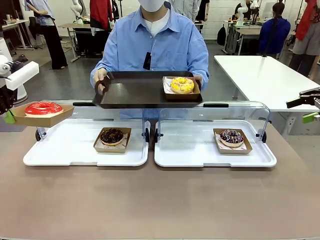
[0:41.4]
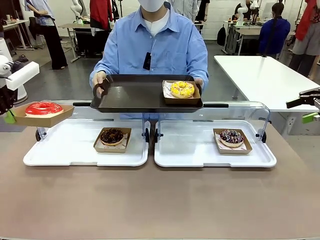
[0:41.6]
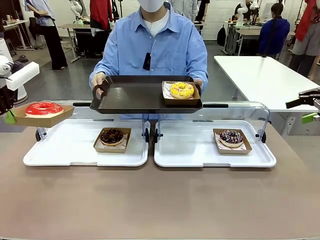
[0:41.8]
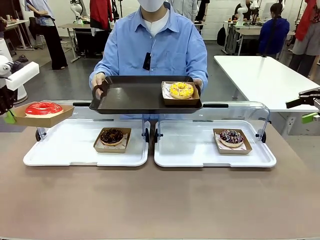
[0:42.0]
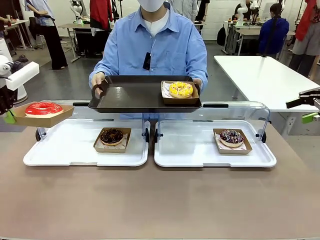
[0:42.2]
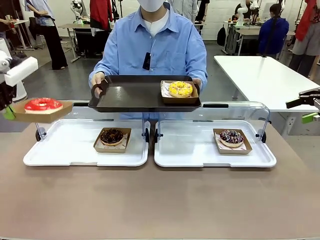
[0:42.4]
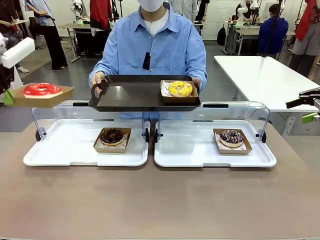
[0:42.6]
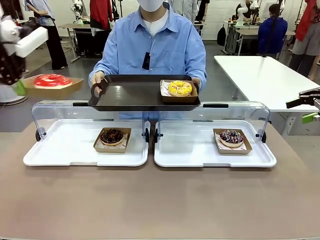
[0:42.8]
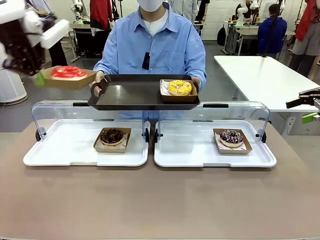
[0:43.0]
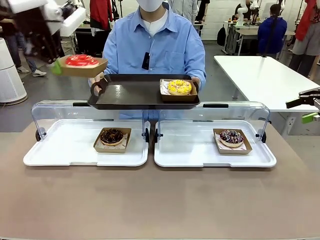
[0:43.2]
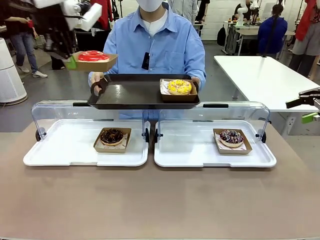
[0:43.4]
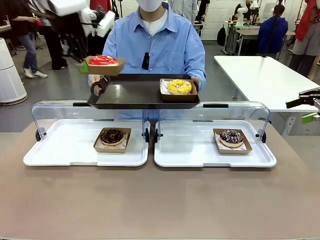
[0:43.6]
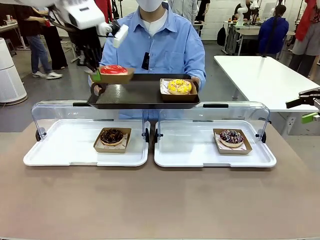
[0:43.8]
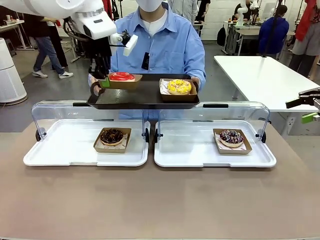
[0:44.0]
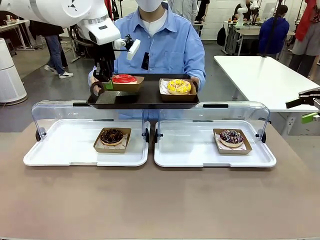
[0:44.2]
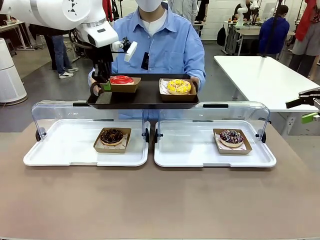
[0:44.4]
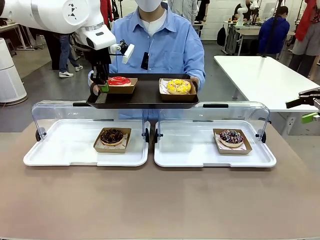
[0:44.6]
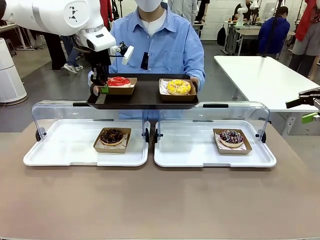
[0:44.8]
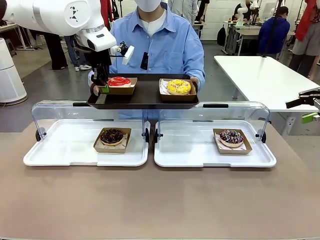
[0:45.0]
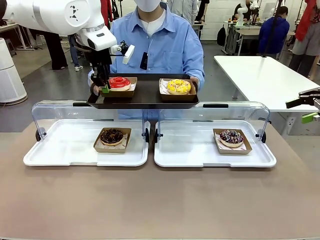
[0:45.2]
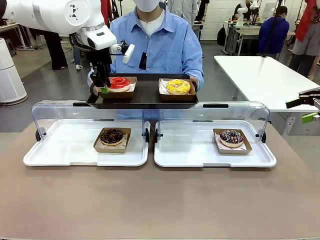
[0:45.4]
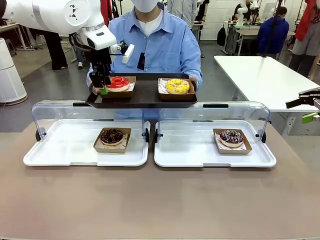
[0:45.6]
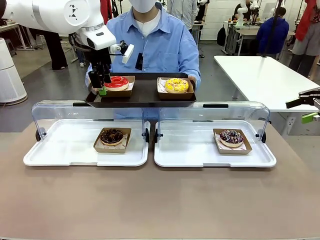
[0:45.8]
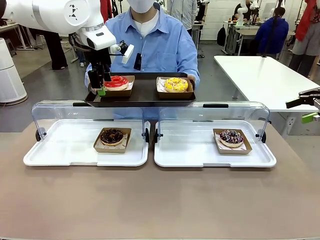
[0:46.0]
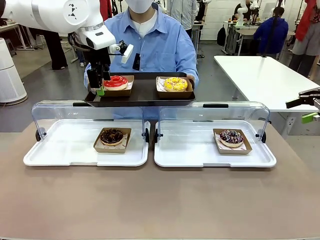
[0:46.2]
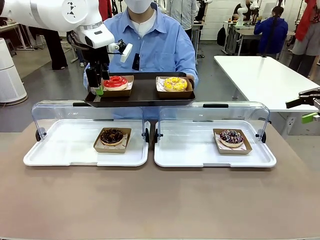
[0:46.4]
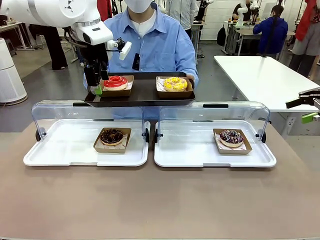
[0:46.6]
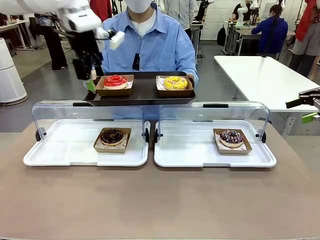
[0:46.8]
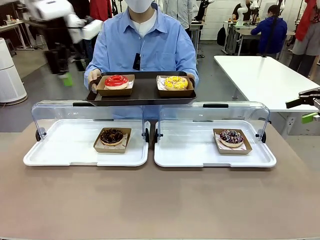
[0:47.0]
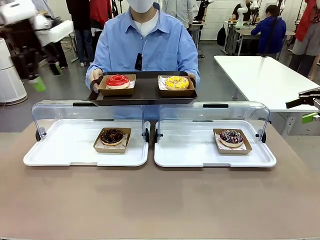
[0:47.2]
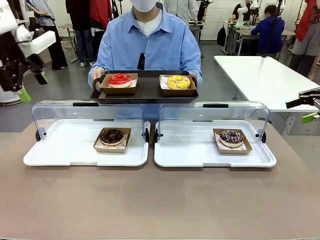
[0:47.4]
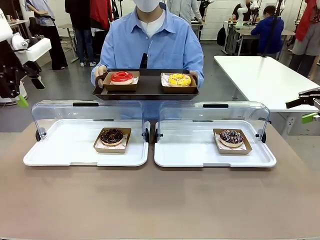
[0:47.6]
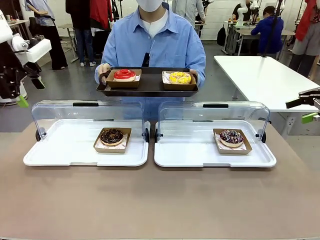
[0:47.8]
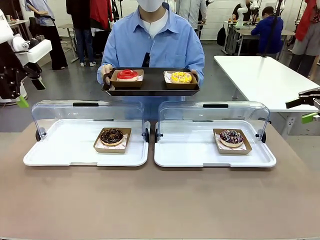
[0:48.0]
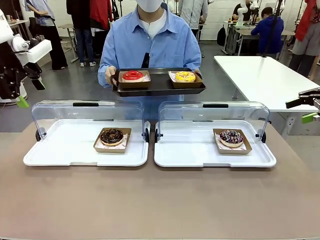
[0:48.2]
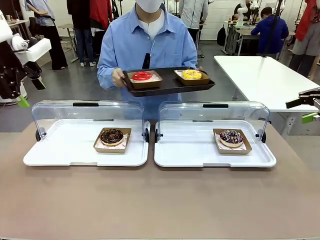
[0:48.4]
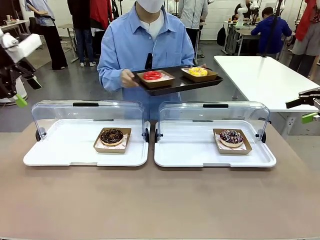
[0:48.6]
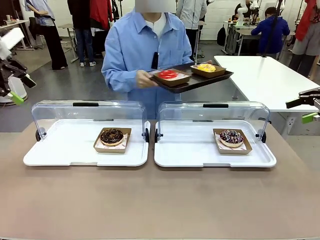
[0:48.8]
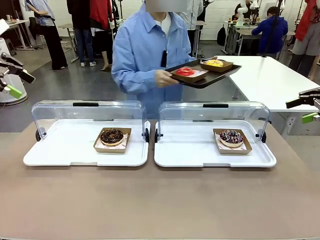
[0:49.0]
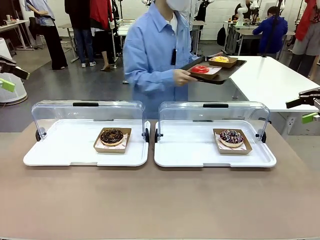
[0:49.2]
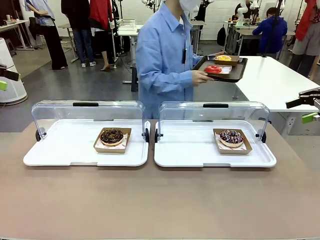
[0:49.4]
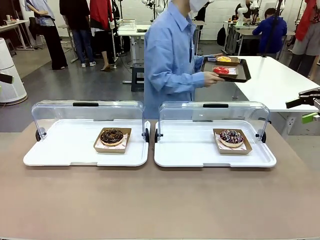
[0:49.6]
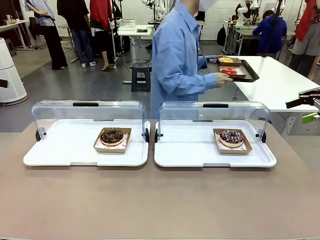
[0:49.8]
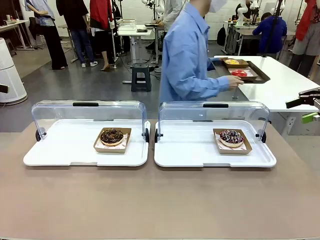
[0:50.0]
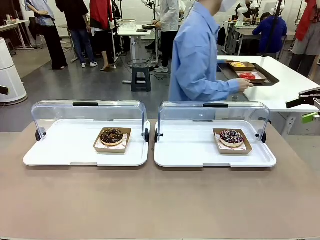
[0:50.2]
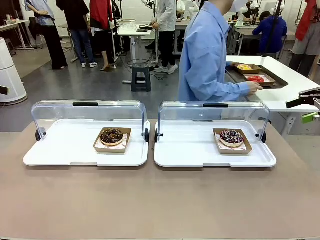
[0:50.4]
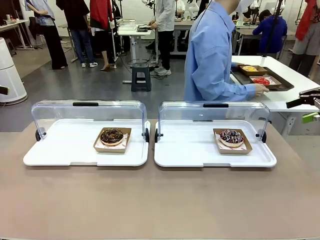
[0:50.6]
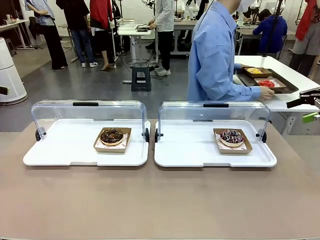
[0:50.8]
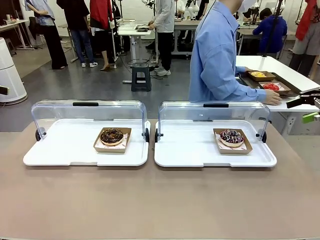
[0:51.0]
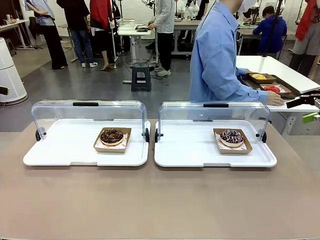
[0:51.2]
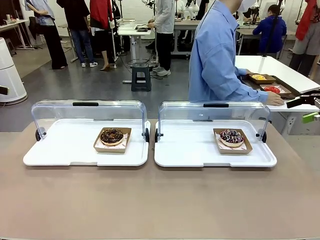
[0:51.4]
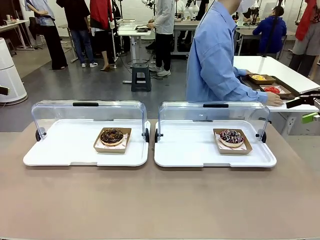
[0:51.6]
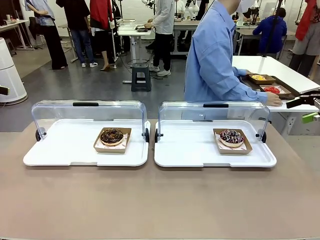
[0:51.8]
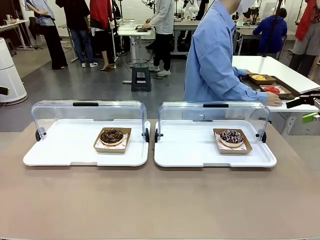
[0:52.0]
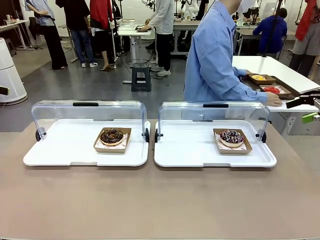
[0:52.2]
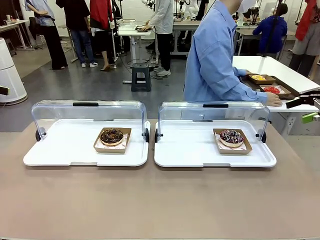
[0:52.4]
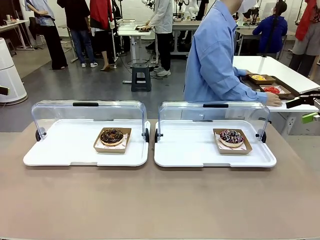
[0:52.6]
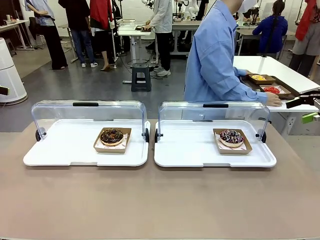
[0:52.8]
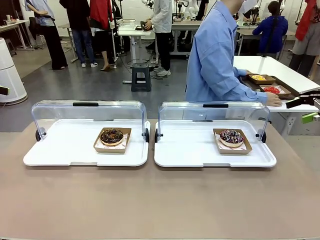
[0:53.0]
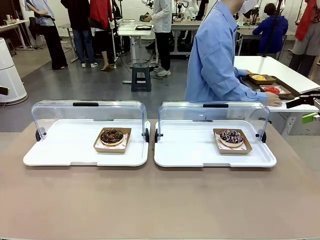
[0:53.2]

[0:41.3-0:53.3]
Task: Provide the desired donut to the person.
Robot: Place the picked Paper togo box onto the Handle tray extended by the person.
Person: Place the tray in the middle of the human table.

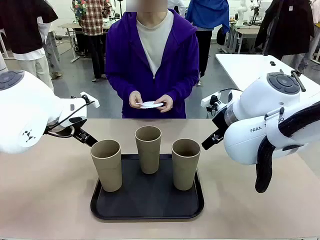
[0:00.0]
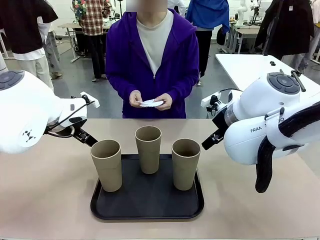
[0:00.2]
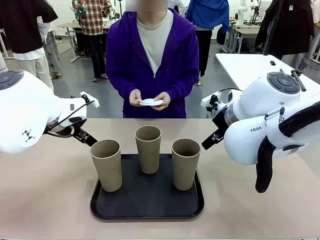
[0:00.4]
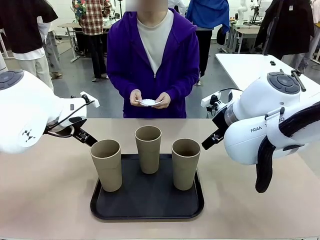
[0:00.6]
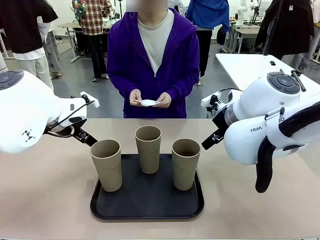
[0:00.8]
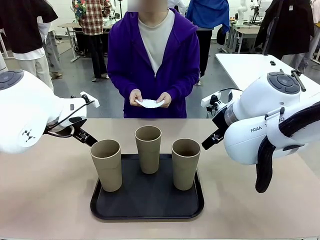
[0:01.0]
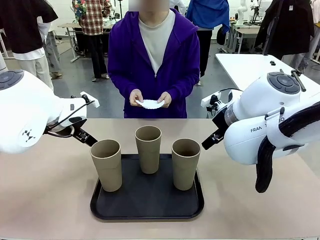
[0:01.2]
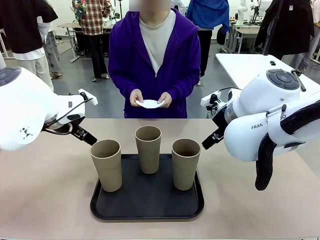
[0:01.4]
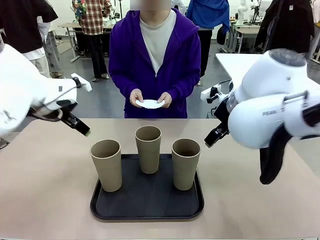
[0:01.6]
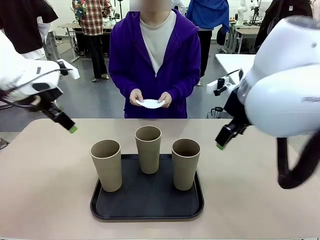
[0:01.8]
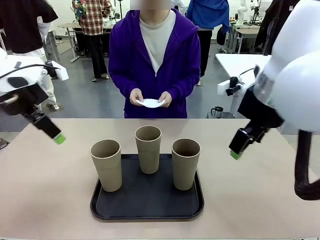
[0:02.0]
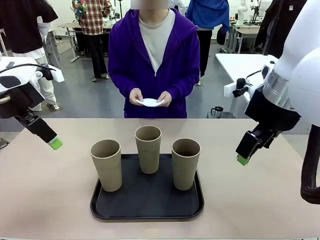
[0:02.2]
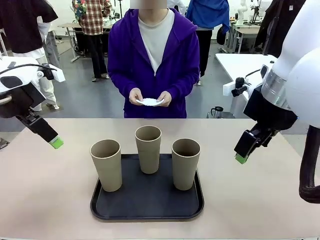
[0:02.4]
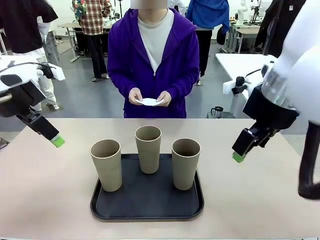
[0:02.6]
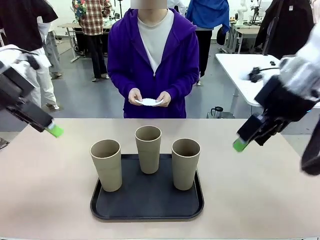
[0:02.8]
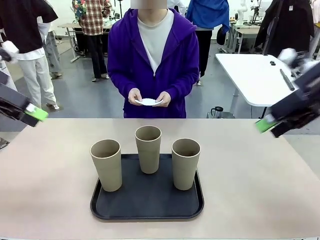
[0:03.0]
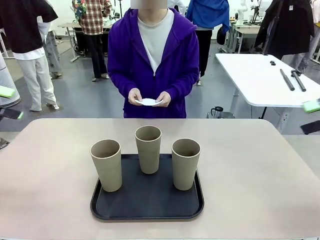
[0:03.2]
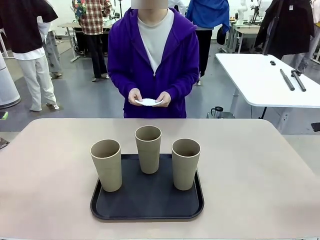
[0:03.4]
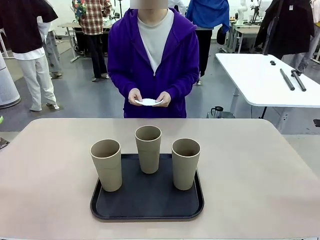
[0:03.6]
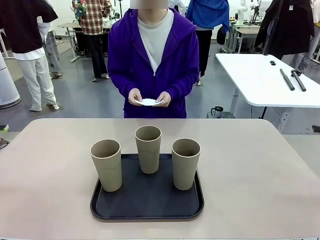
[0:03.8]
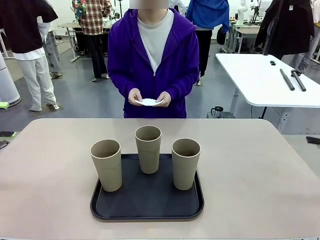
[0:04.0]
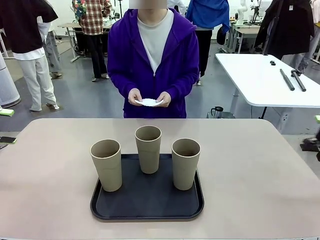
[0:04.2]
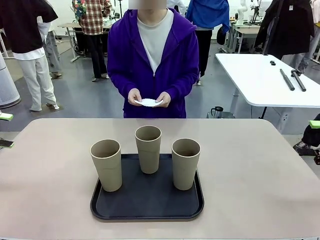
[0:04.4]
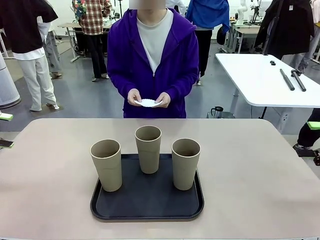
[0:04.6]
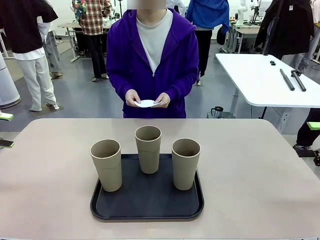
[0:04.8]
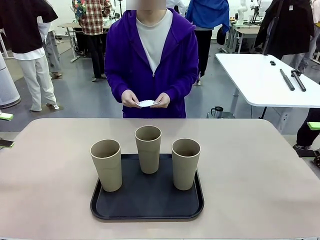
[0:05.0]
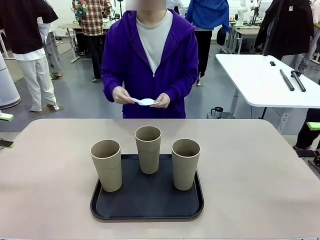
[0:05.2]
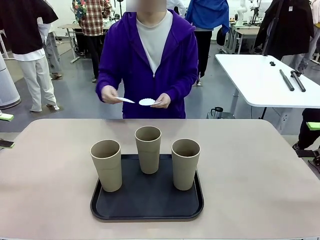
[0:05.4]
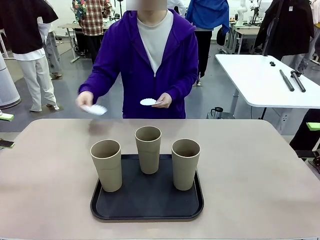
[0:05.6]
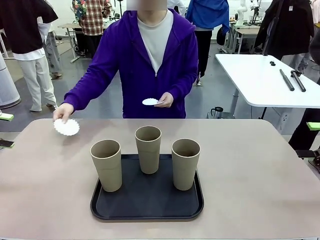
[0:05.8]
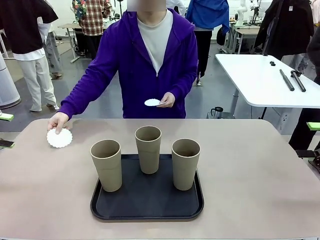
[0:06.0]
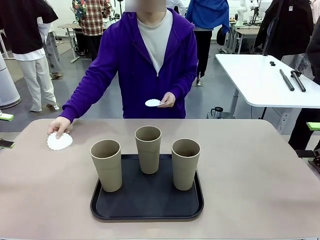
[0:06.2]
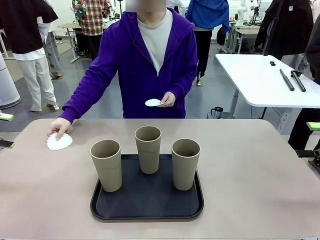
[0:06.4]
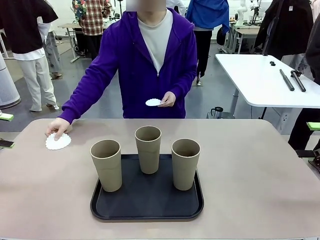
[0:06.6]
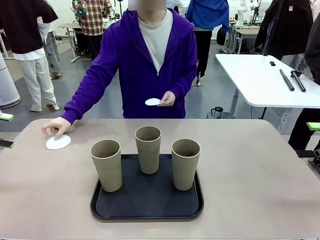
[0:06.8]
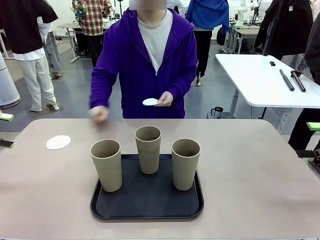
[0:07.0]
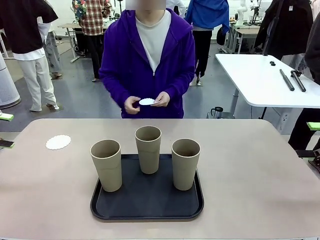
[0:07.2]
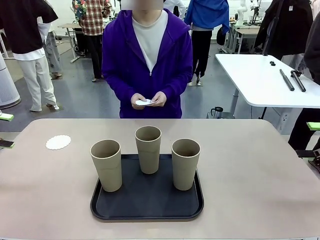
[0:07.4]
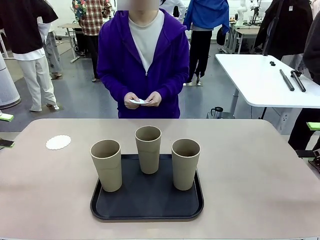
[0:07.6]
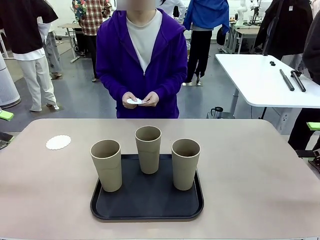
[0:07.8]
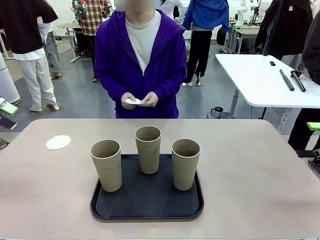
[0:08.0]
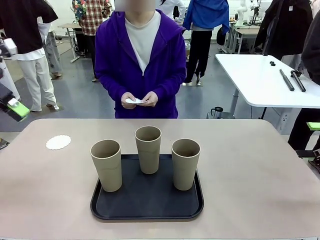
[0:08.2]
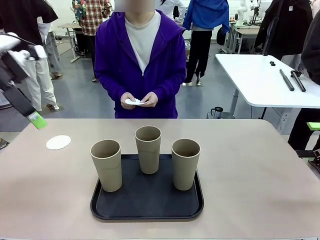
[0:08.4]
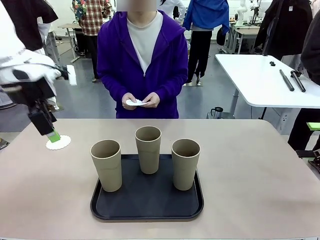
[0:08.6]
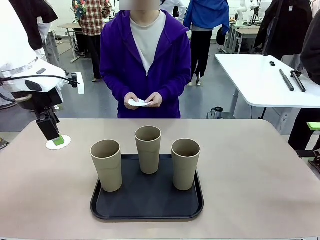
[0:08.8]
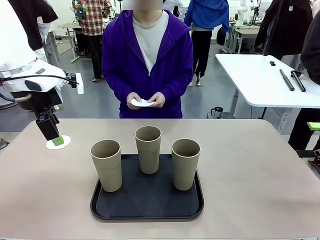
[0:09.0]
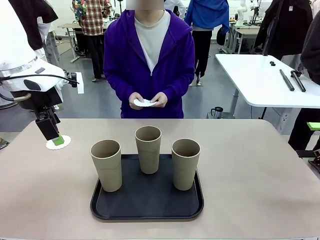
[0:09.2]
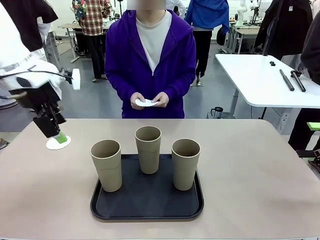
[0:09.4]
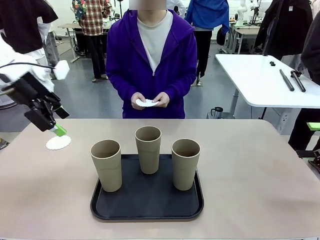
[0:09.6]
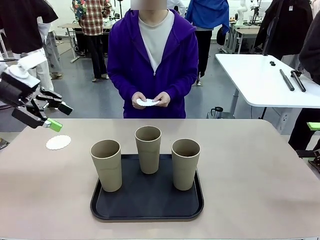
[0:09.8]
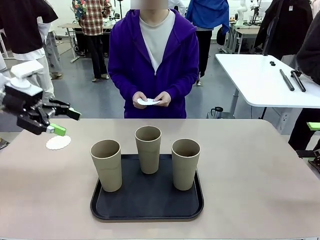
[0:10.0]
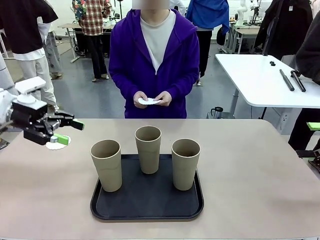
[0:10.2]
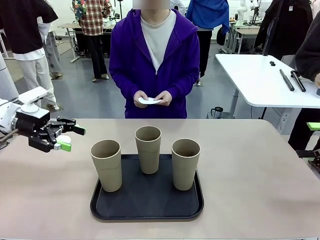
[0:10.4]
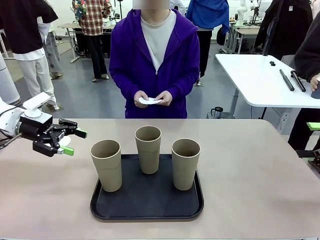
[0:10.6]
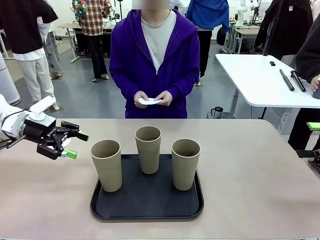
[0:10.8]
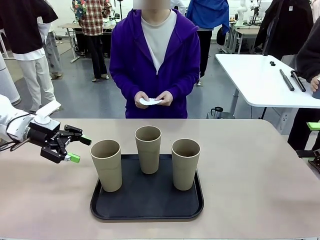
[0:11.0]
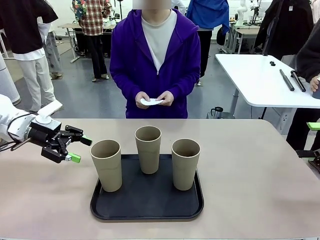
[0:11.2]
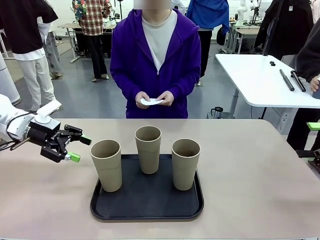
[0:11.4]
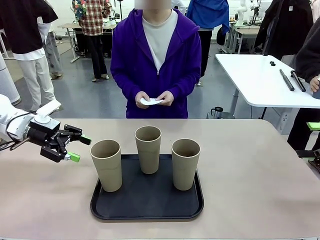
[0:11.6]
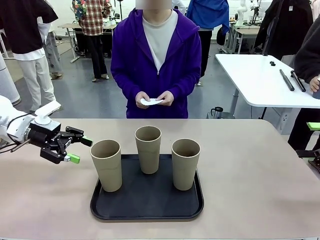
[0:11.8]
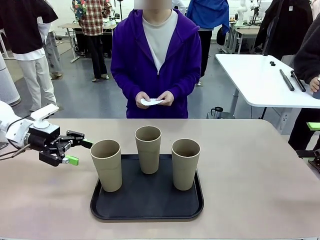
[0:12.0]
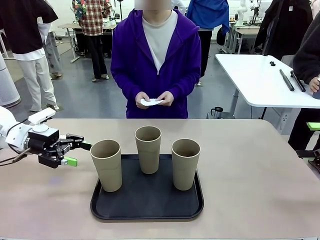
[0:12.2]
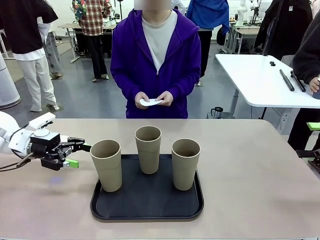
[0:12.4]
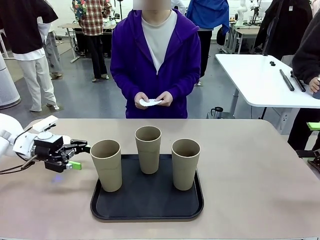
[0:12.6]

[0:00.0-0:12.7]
Task: Place coasters on the table and set cups on them.
Robot: Pick up one Reusable plastic cup and place it on a coaster set by the human.
Person: Place one coaster in any one of the three lower areas of the robot table (left, center, or right).
